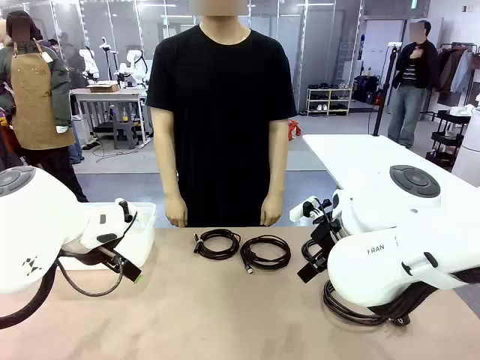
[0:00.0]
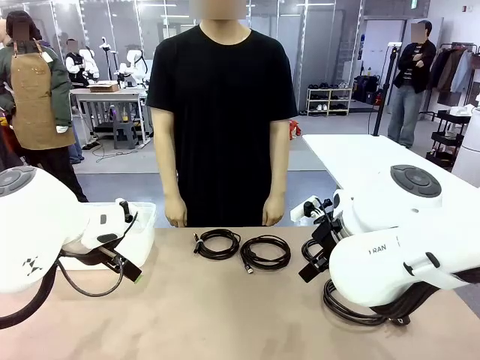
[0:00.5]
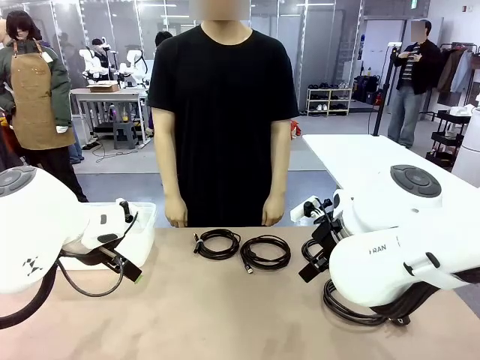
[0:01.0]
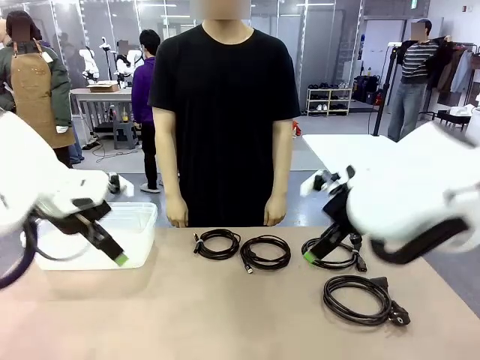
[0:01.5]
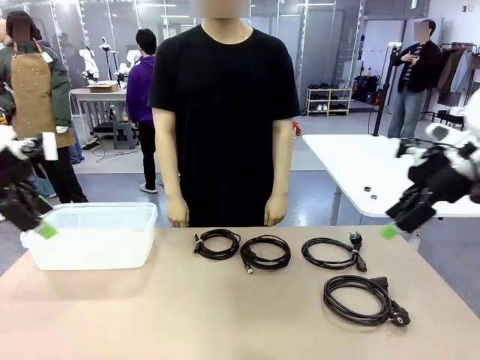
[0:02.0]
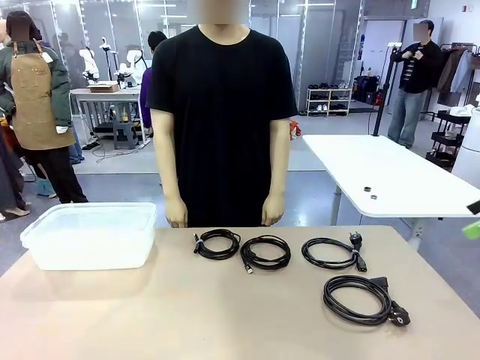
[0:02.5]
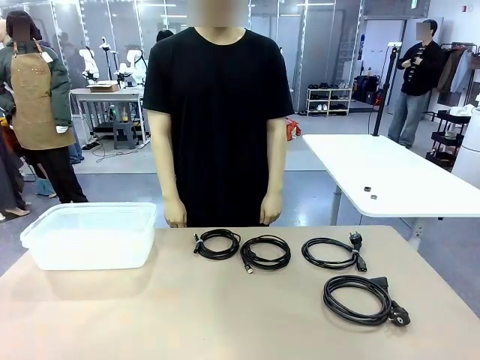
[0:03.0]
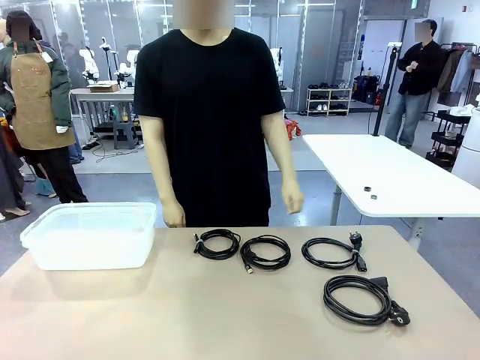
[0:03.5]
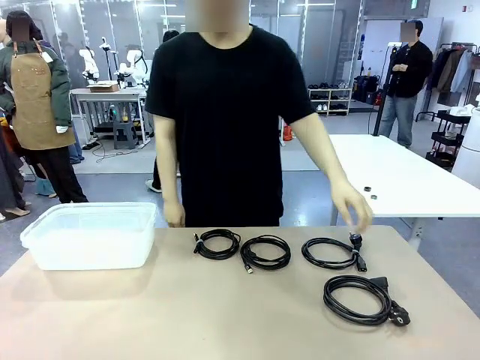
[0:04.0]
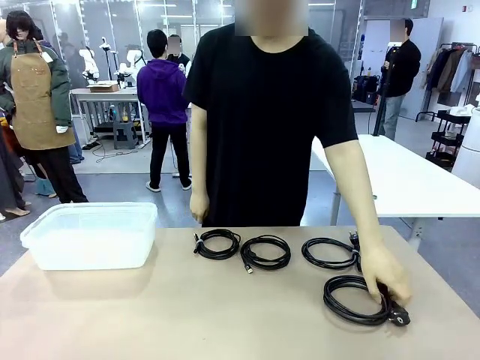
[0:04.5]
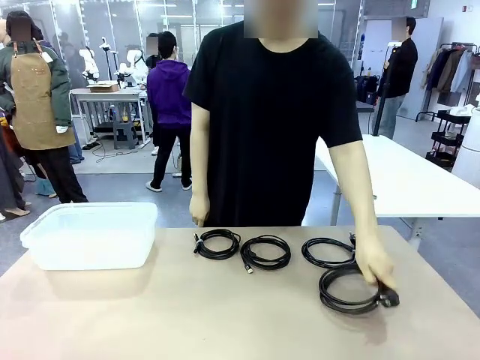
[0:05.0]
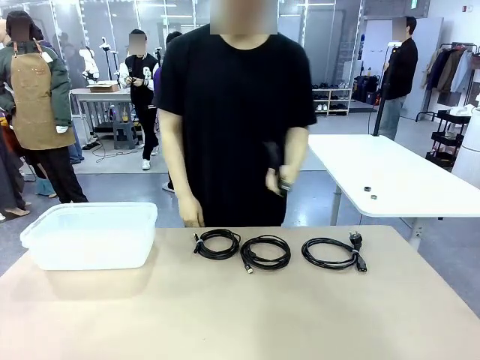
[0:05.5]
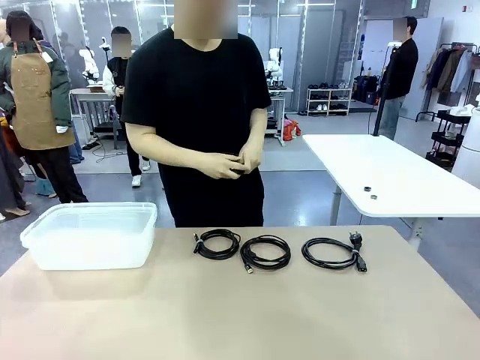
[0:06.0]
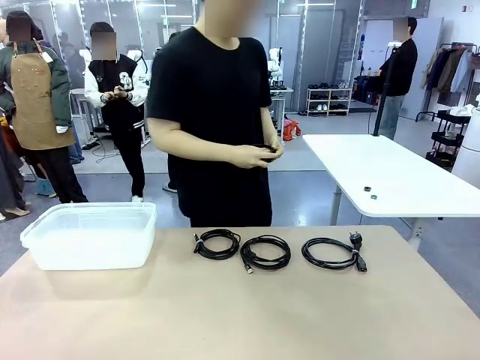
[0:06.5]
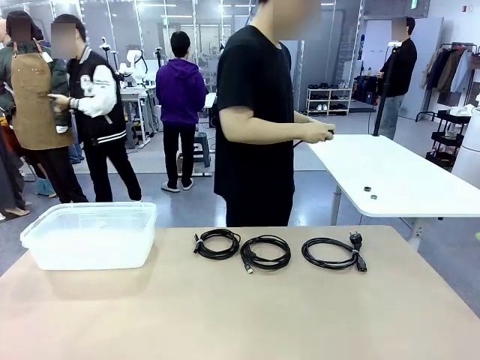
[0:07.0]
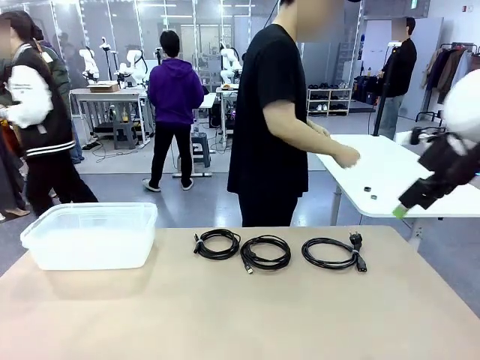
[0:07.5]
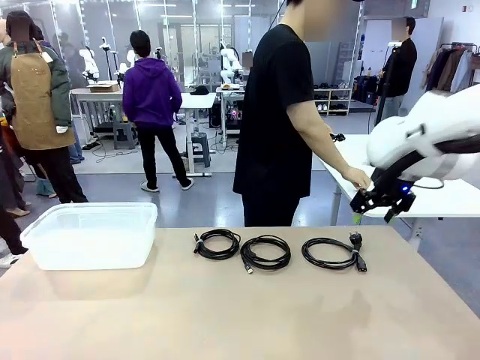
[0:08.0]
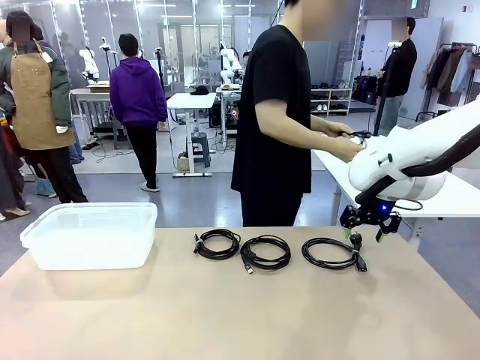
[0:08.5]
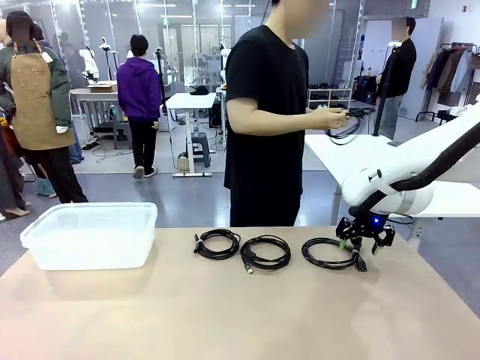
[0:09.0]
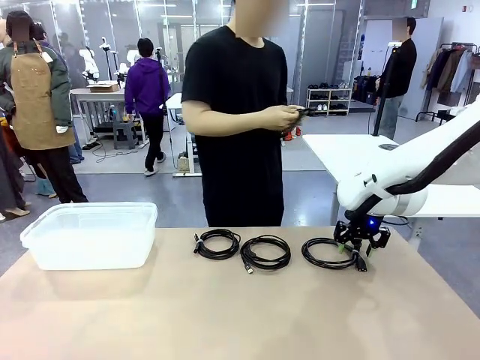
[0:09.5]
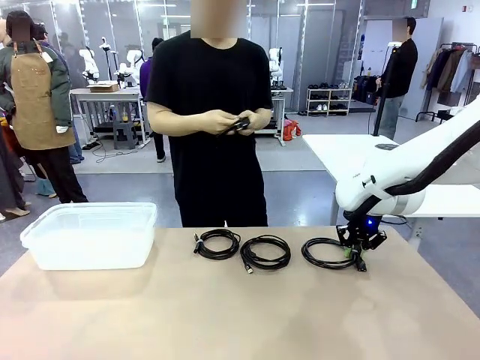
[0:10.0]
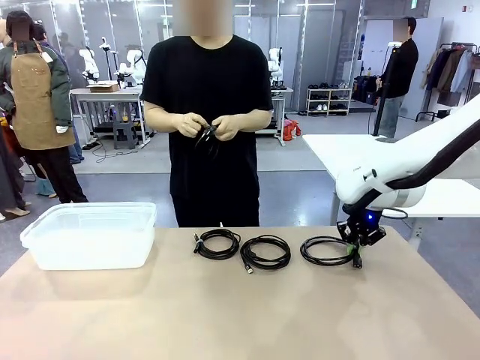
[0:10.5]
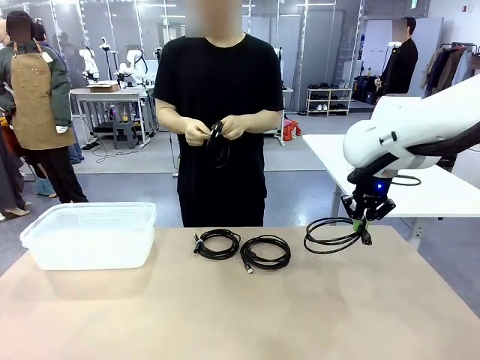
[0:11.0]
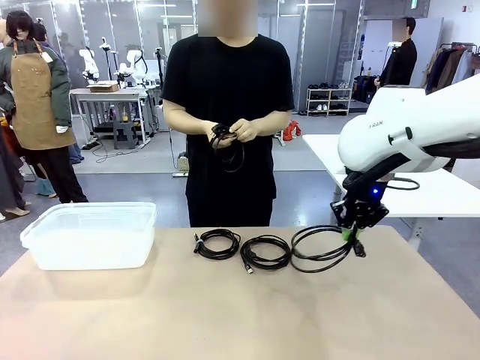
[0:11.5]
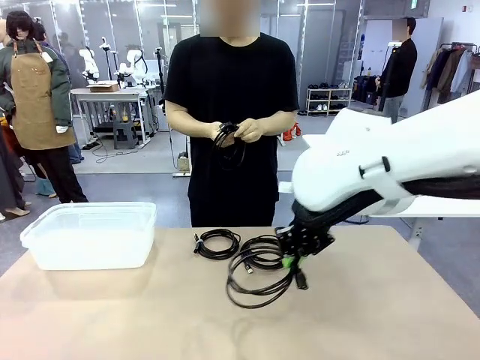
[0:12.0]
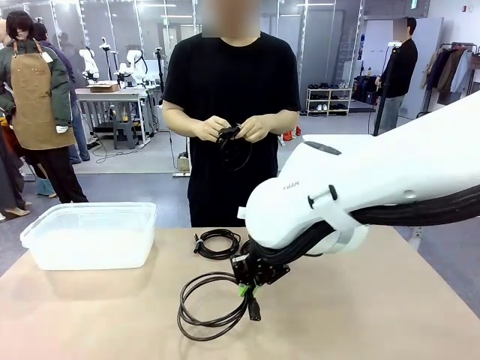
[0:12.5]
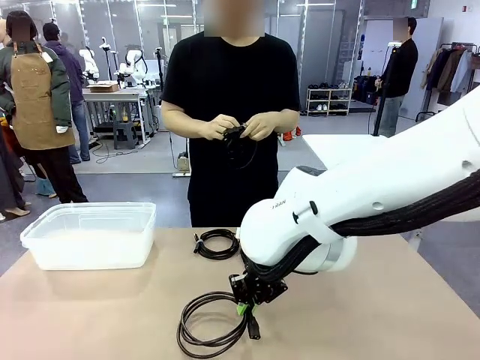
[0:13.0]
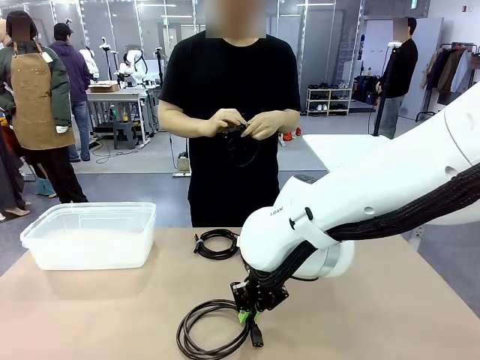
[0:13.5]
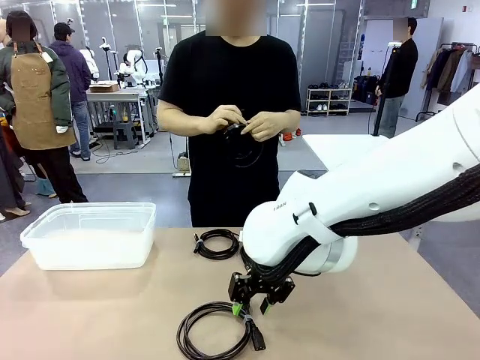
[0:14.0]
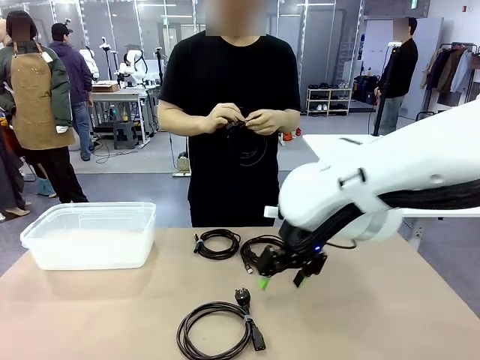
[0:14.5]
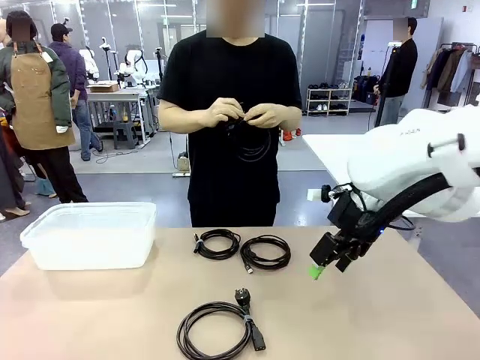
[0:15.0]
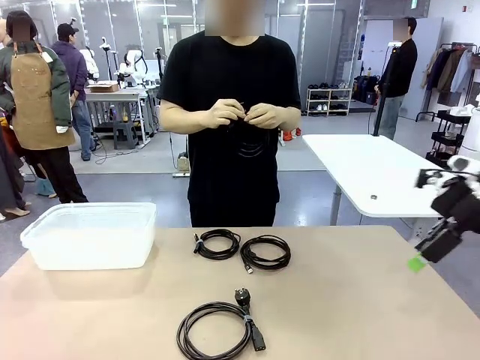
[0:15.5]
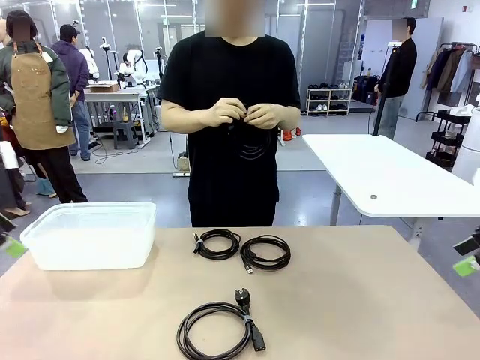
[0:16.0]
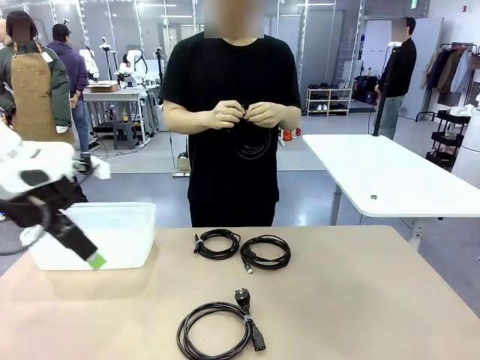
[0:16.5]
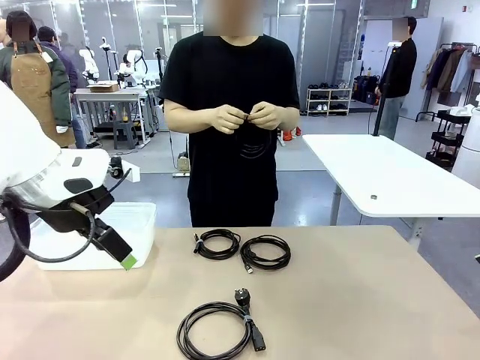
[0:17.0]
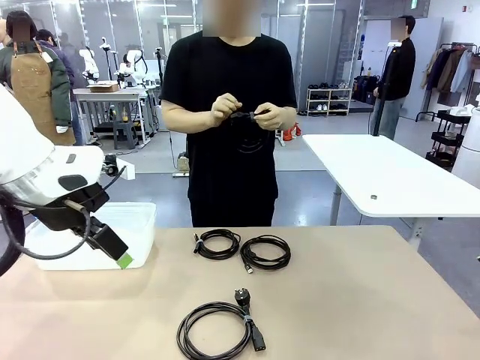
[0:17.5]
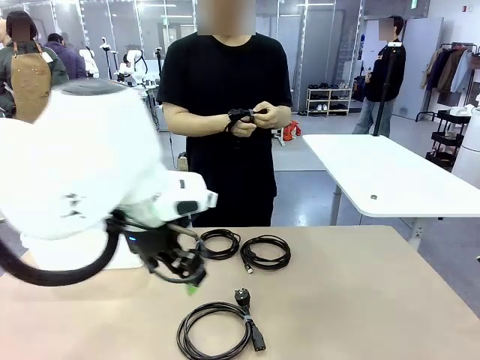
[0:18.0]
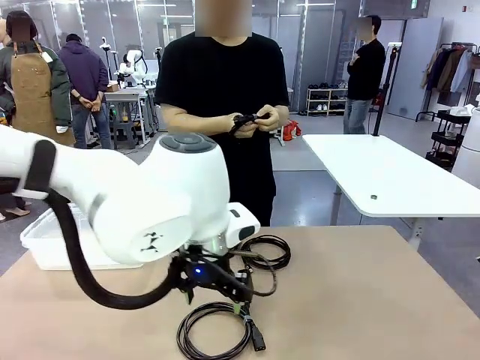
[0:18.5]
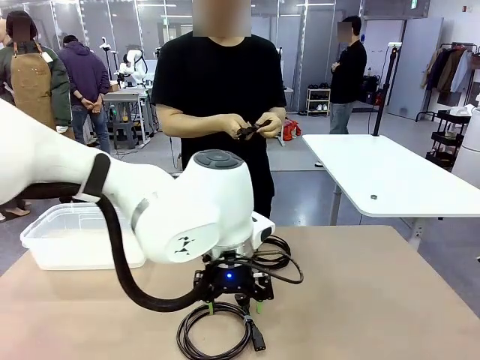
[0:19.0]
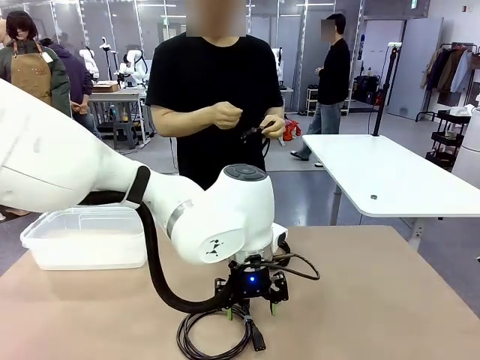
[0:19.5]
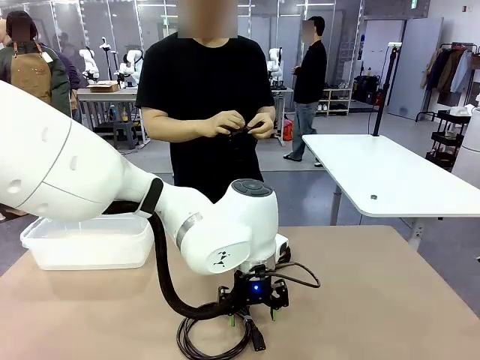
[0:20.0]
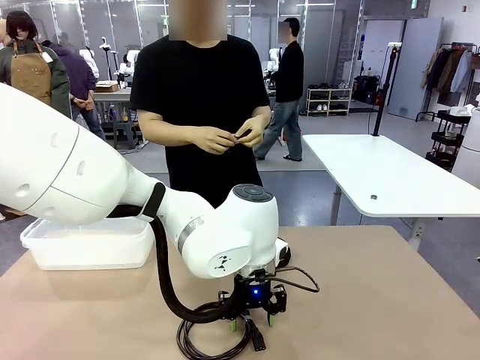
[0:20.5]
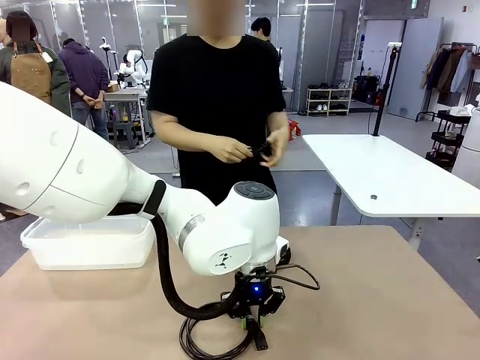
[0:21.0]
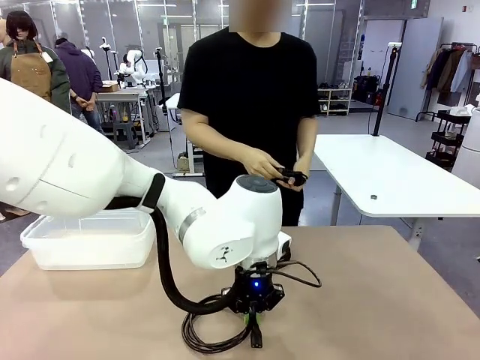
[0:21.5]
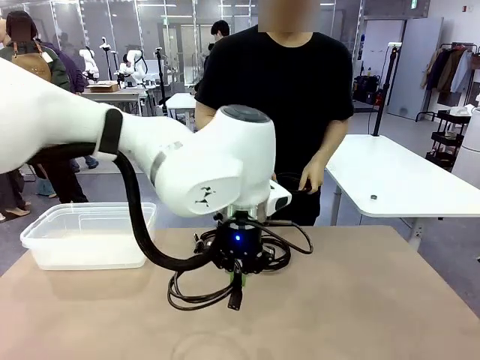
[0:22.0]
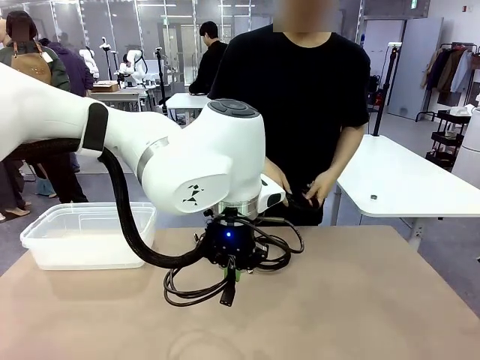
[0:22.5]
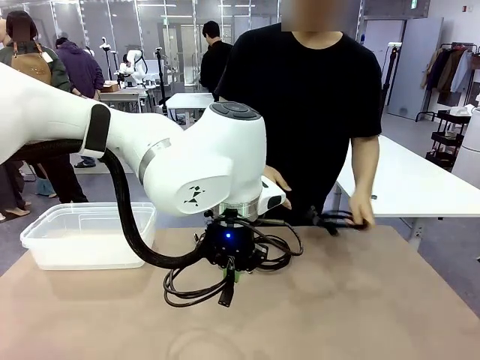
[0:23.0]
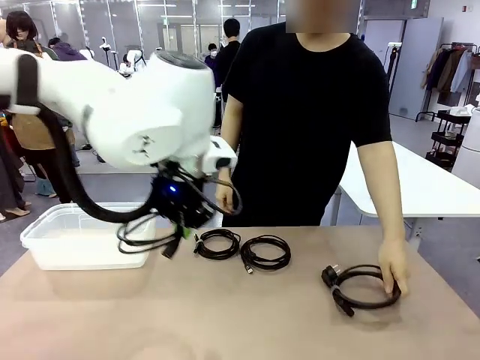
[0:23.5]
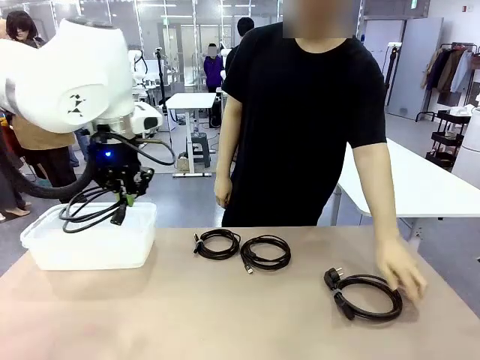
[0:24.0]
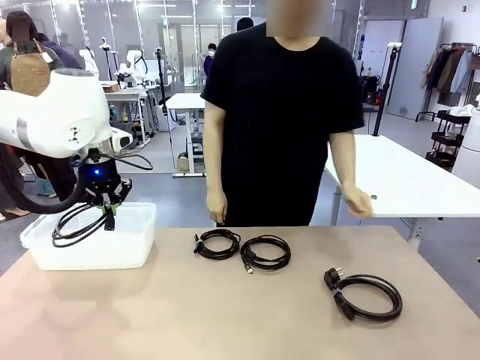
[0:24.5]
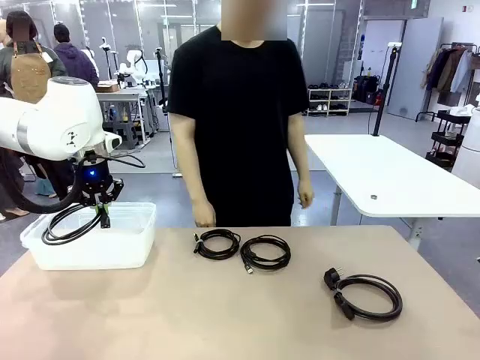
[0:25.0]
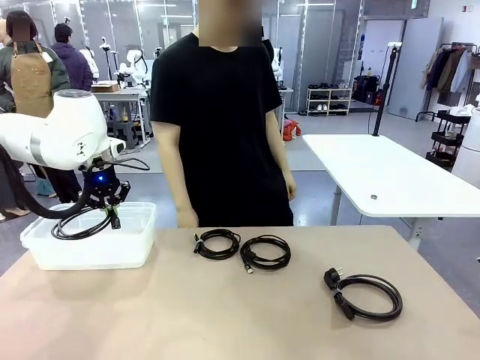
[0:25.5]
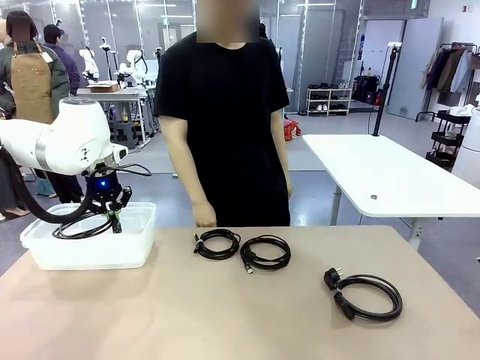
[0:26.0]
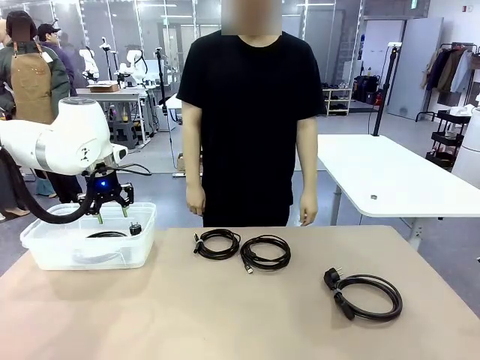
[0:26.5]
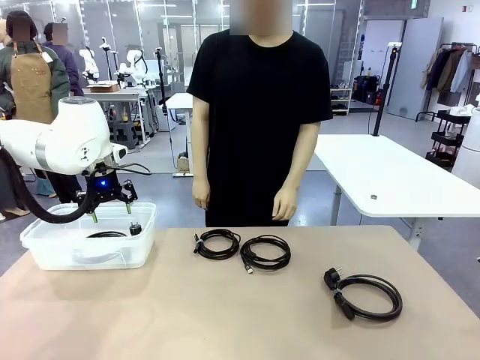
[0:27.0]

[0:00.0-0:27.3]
Task: Organize and store the cables.
Robot: Place the Power Cable into the Organizing box.
Person: Tie one Power Cable with a Reusable Cable Tie.
